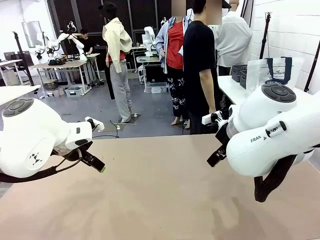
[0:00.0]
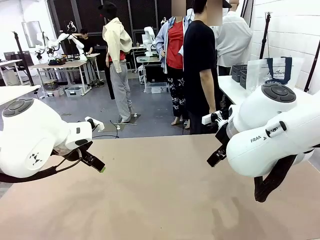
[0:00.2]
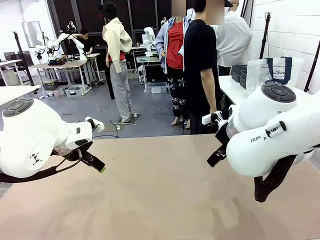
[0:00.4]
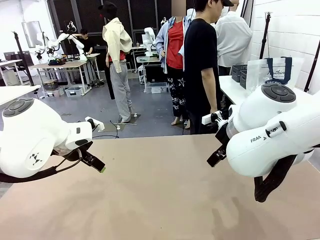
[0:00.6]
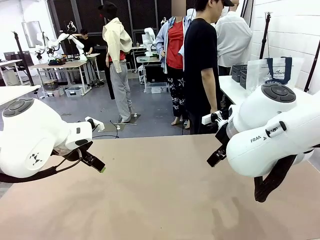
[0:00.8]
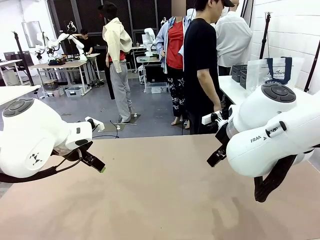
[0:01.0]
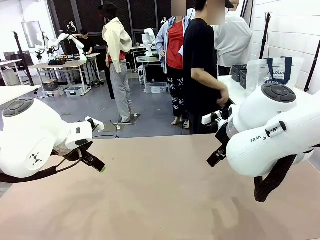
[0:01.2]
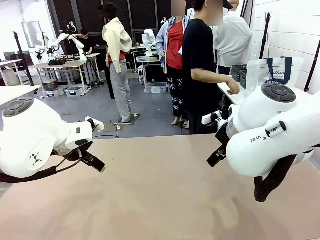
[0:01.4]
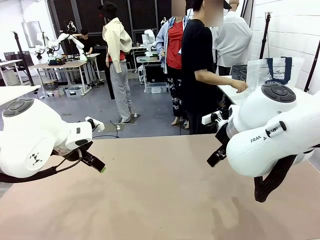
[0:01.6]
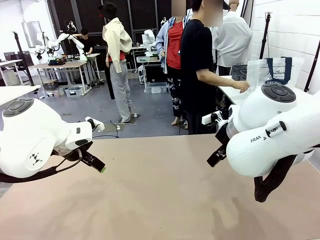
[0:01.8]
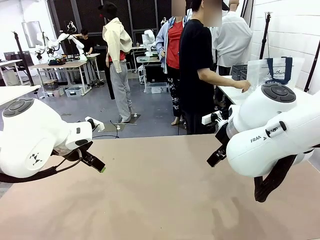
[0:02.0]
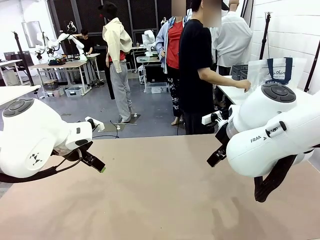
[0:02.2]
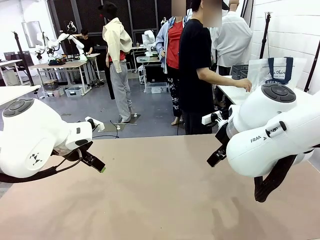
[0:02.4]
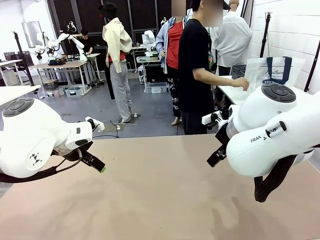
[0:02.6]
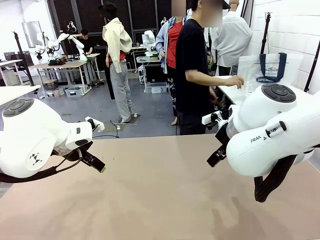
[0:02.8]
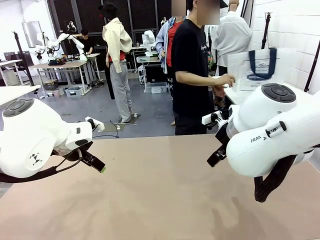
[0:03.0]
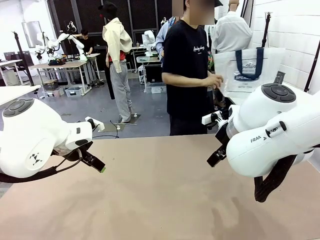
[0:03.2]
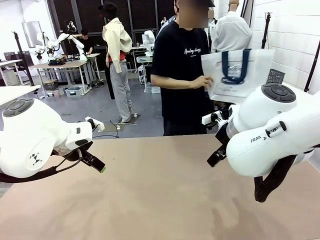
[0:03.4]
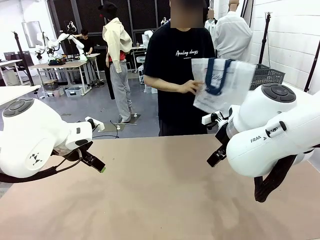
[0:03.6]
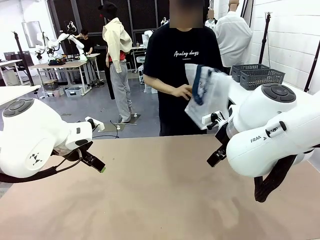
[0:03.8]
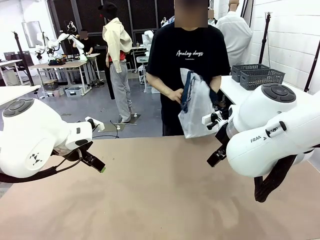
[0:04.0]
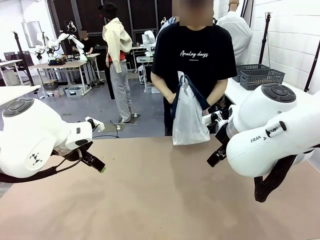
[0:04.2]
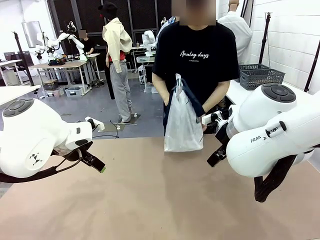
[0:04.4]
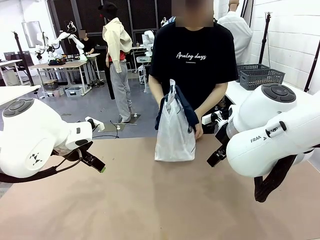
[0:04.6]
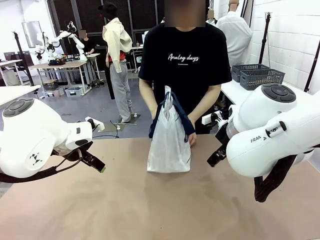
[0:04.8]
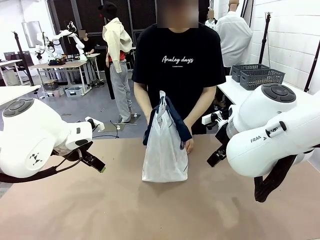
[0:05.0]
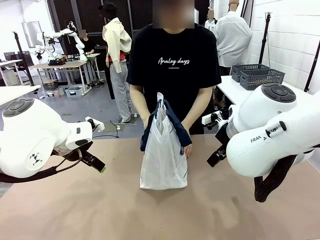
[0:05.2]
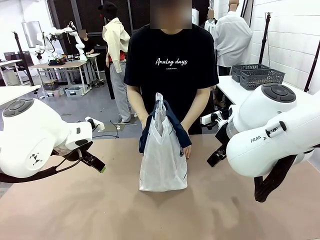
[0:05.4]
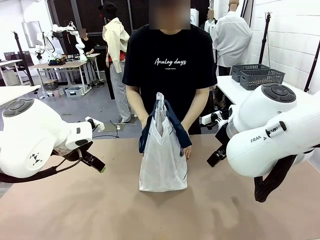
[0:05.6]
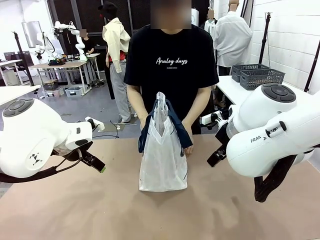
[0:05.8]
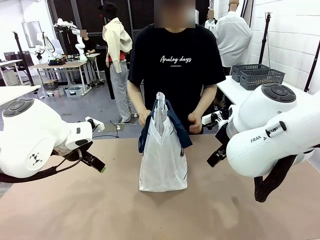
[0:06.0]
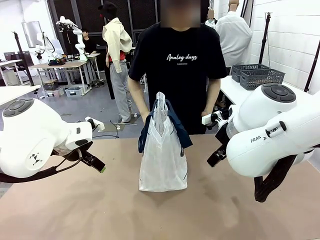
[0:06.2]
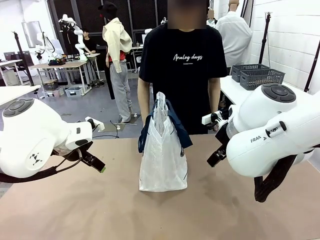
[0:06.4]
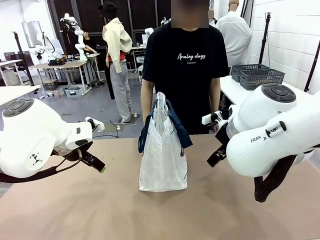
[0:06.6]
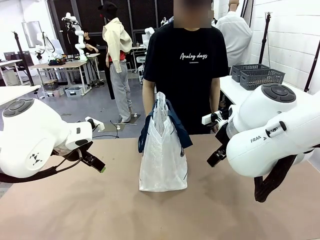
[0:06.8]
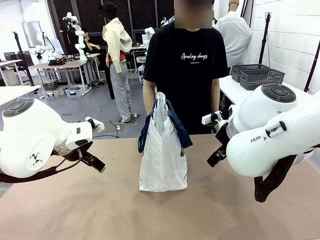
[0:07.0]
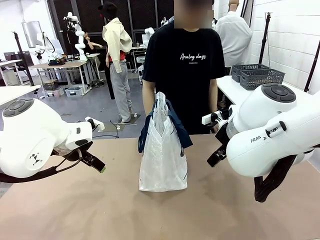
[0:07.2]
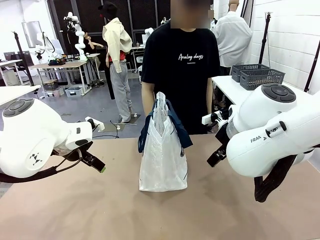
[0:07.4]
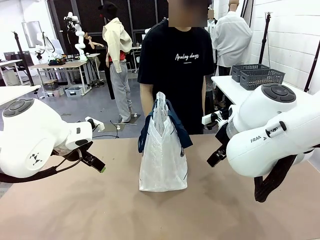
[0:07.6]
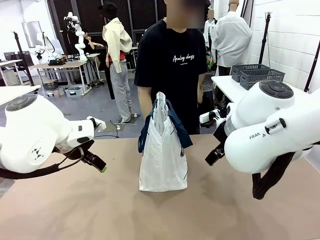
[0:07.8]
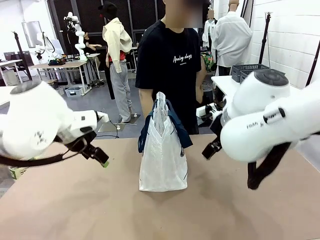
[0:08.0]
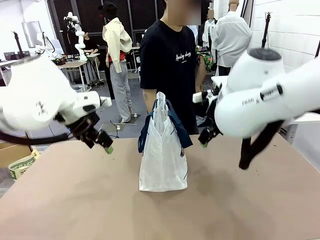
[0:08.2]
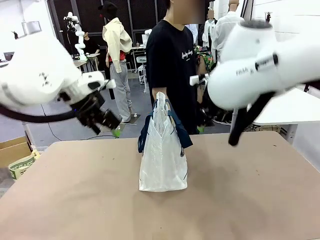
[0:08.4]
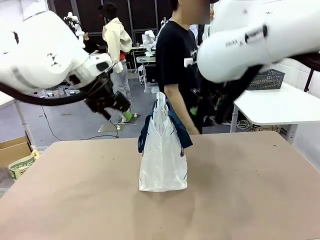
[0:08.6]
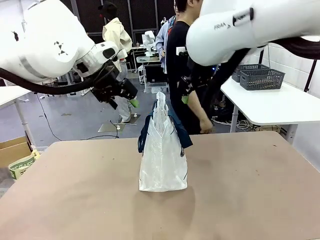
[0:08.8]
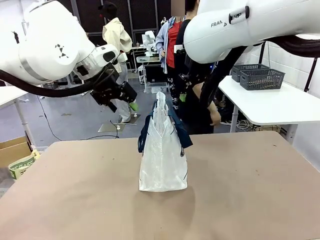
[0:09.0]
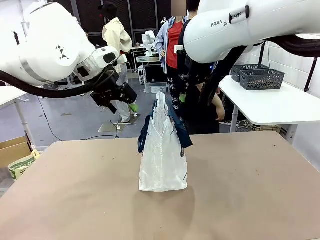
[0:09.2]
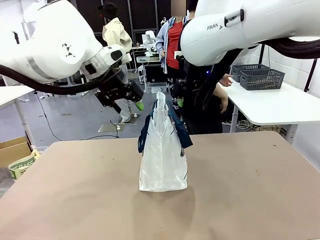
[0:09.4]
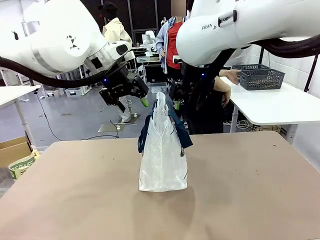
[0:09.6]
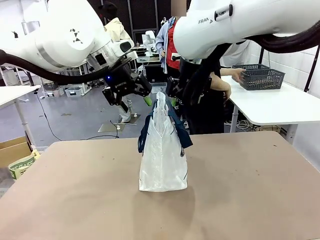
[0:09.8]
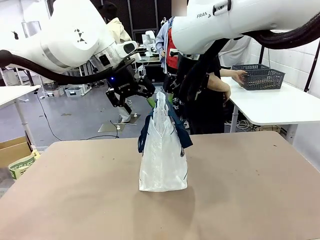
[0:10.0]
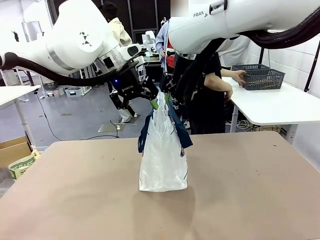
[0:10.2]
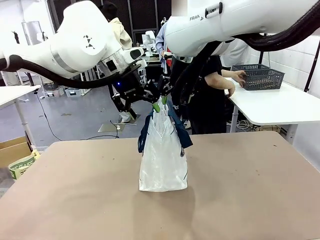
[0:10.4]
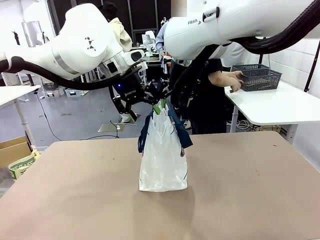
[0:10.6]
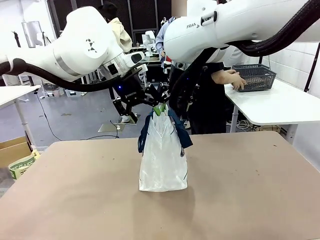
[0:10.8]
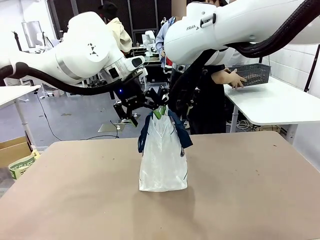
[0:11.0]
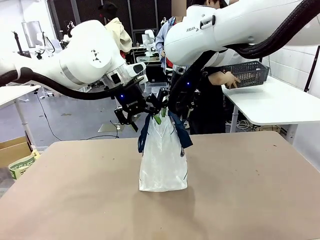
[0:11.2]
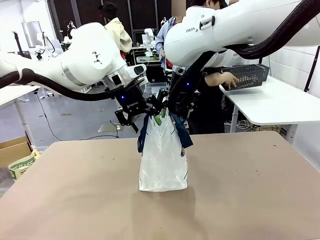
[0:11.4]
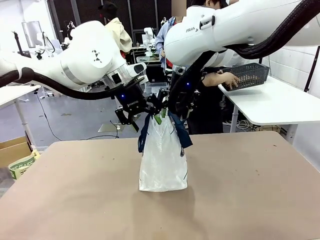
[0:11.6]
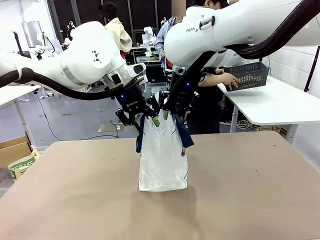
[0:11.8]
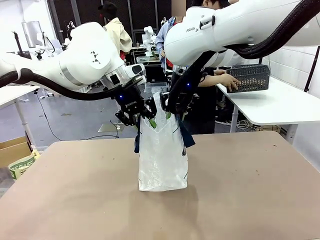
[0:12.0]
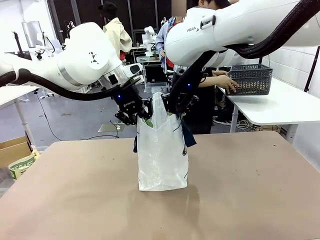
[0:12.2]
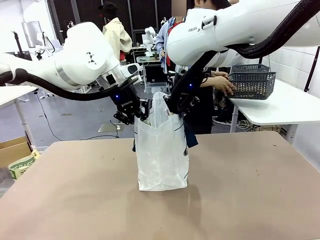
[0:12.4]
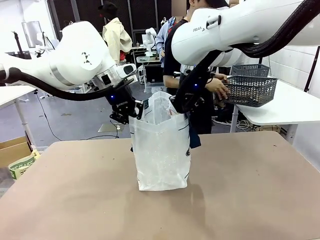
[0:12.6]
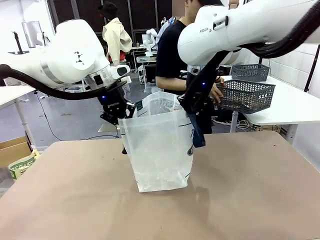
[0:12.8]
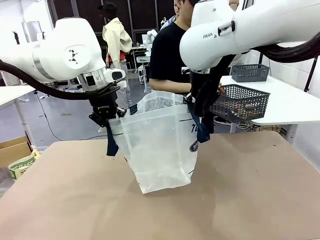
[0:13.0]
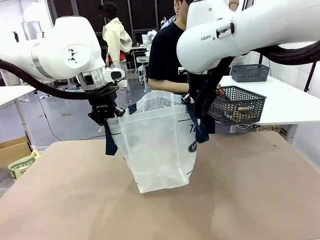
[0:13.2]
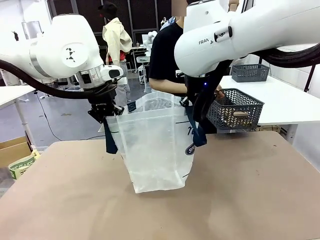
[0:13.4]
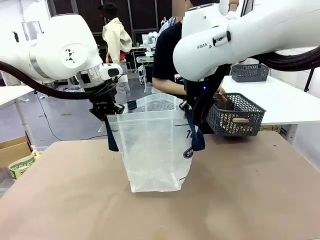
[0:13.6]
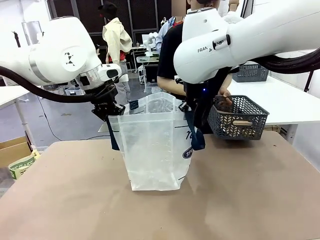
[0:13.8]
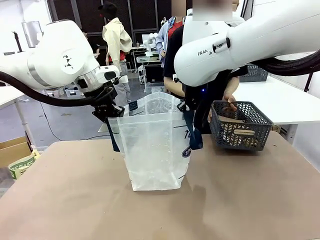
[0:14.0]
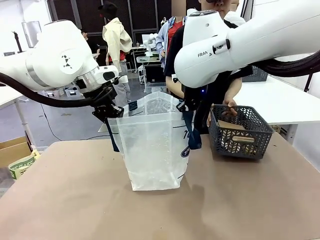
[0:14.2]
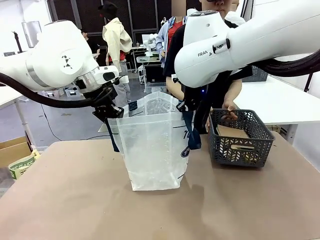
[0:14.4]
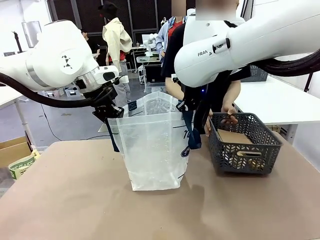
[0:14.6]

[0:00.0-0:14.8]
Task: Transfer purchased items from the store into the shopping bag.
Robot: Open the Reusable shopping bag in the center of the table.
Person: Pick up the shopping bag and place it in the middle of the robot table.

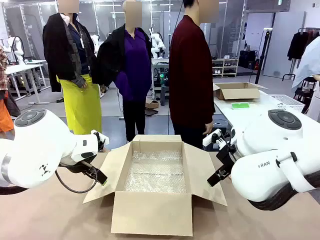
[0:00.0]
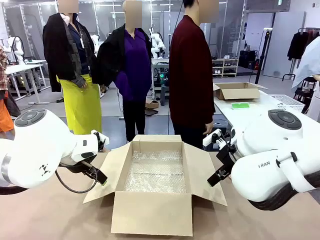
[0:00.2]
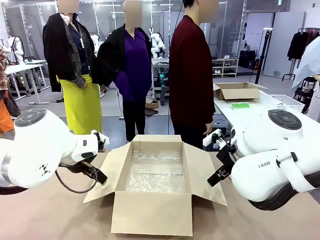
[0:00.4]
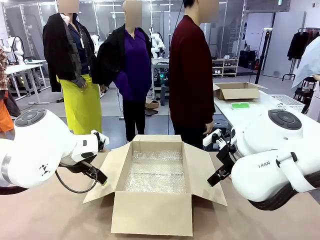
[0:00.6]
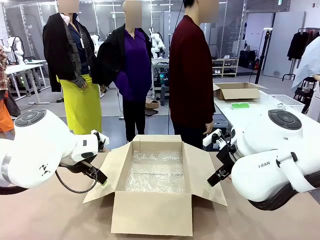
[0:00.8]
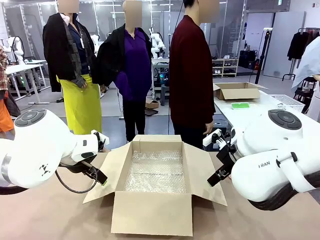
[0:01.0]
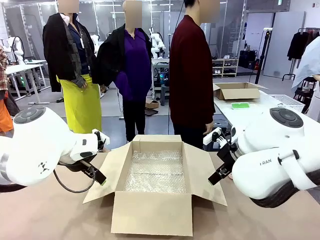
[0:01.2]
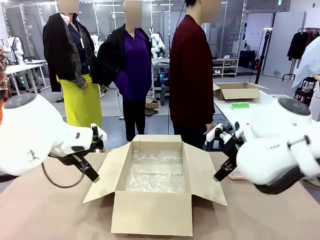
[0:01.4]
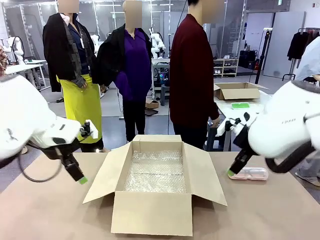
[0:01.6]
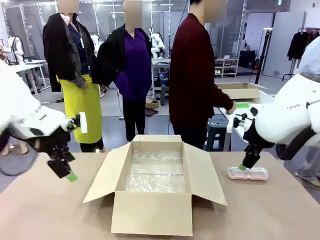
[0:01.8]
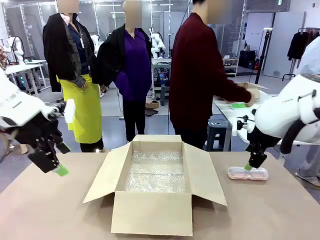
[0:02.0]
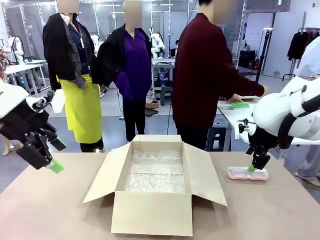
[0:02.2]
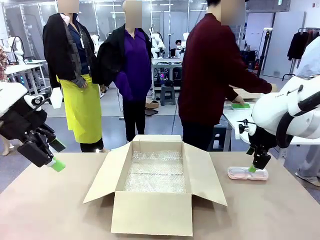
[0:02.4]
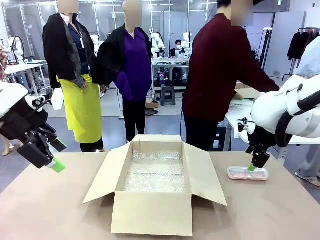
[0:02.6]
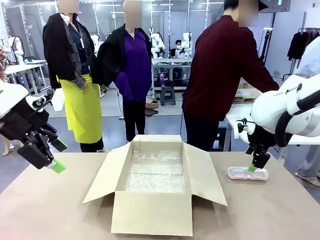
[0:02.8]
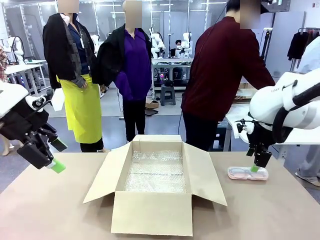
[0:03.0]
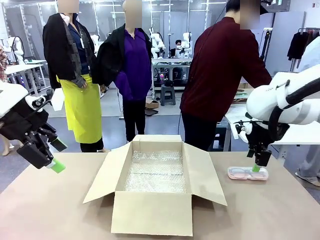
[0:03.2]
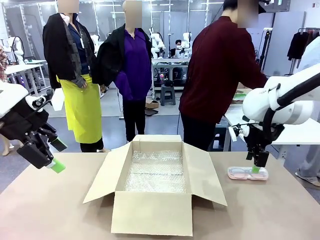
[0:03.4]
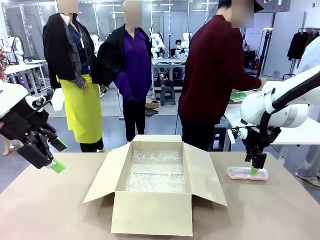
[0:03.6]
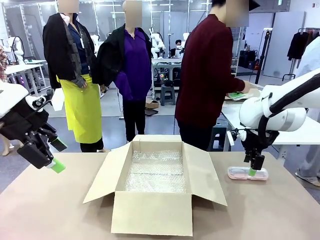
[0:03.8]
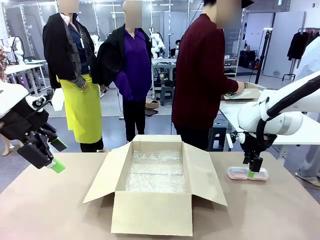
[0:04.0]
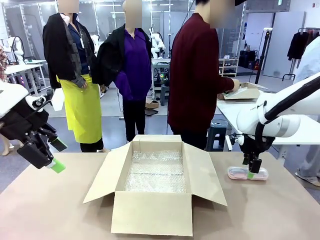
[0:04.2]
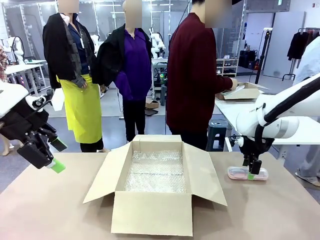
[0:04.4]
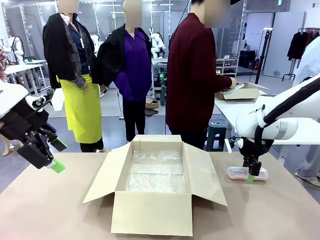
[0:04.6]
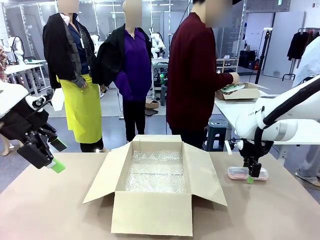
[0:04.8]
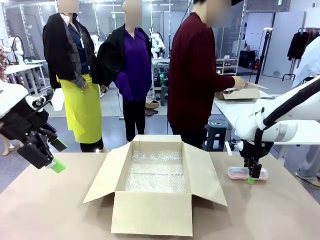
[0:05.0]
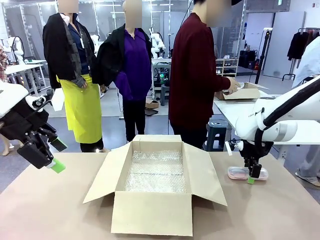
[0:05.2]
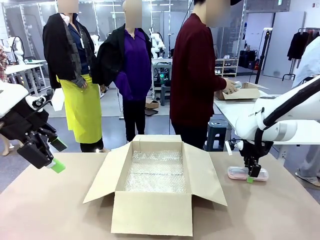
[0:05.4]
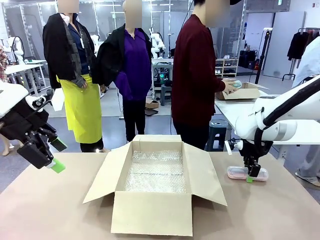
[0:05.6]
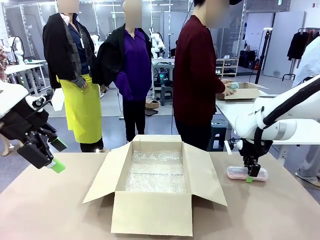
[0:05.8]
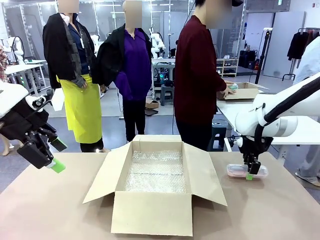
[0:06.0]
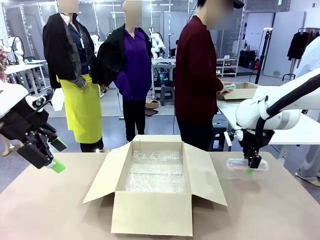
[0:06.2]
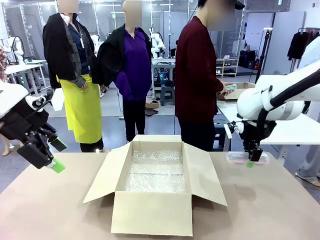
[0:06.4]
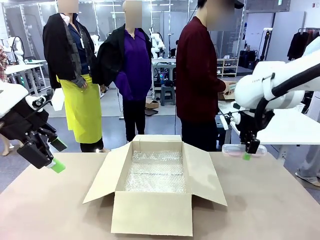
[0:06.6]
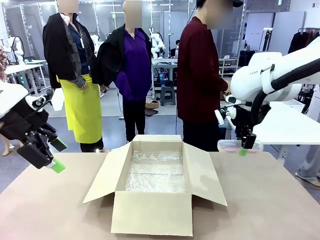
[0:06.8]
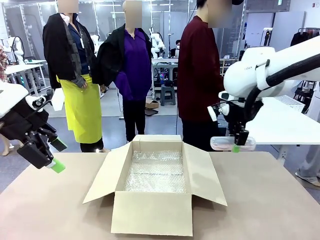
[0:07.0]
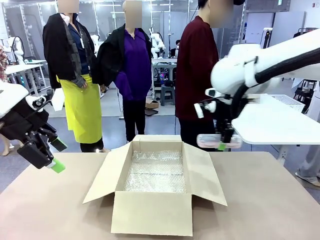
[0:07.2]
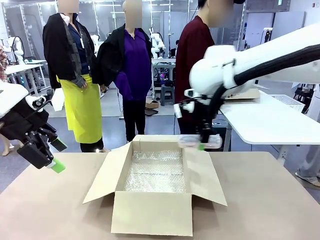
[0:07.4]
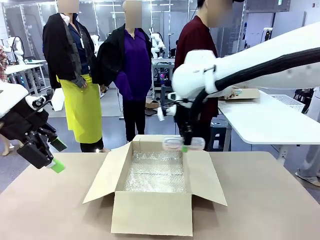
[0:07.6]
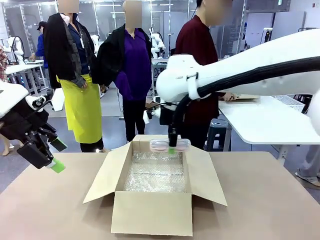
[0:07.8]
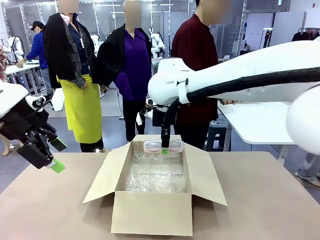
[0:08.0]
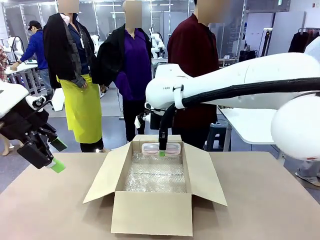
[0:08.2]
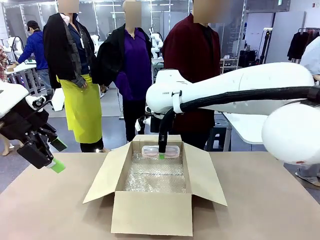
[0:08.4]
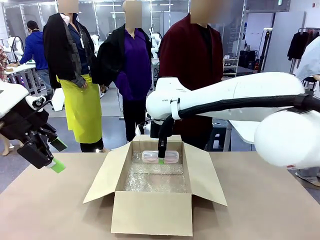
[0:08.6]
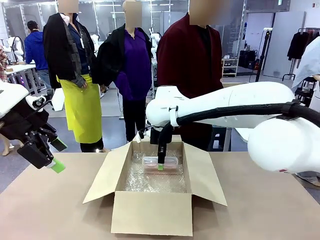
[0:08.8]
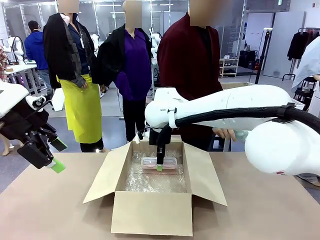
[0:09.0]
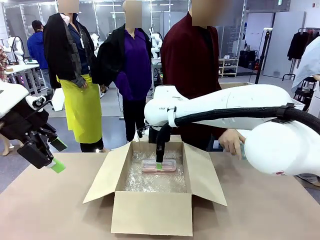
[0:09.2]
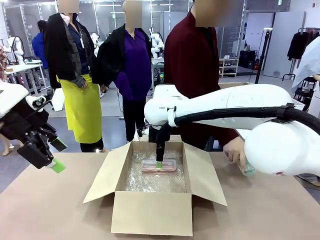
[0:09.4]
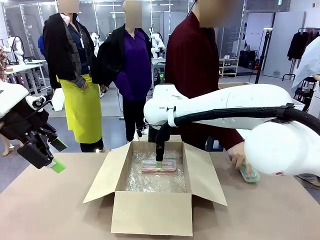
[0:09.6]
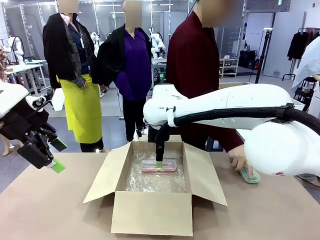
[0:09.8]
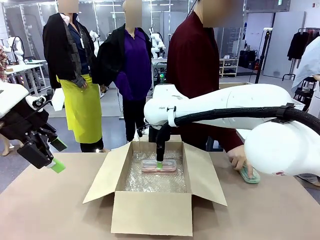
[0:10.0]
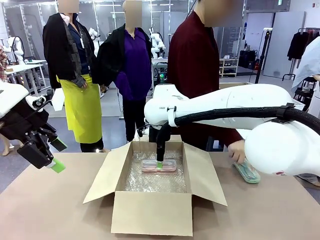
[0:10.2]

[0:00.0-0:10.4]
Task: Pack the glasses set securely to prepare it for shipping.
Robot: Place the Glasses case inside the Package Box.
Person: Place the Glasses inside the Glasses case. Position the Glasses case on the left side of the robot's table.
